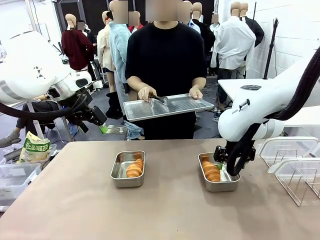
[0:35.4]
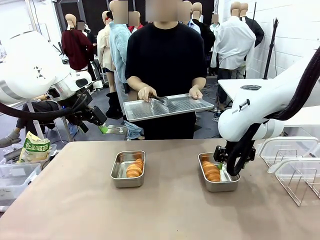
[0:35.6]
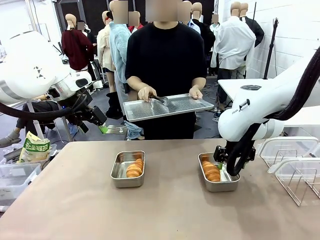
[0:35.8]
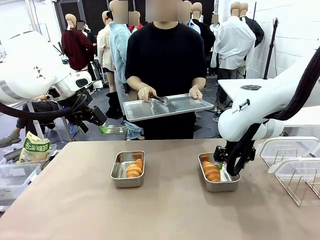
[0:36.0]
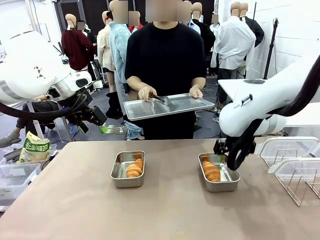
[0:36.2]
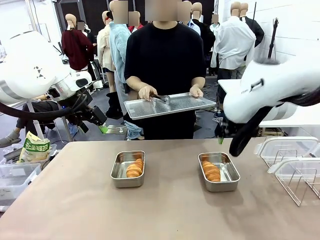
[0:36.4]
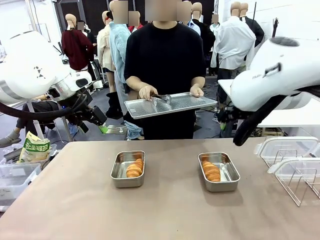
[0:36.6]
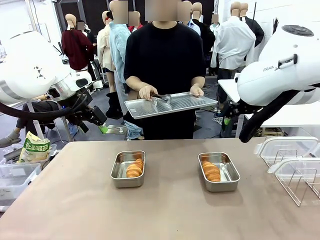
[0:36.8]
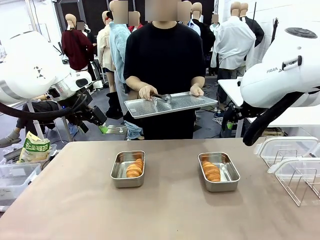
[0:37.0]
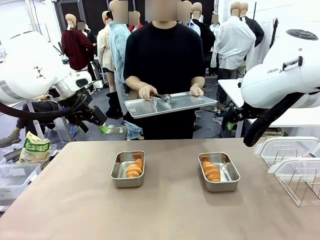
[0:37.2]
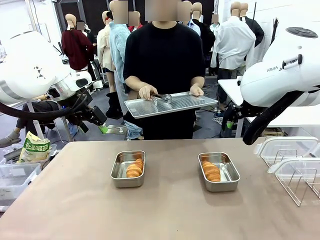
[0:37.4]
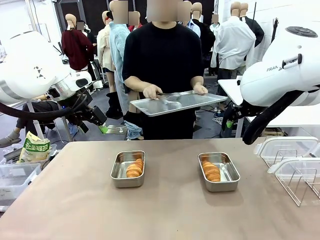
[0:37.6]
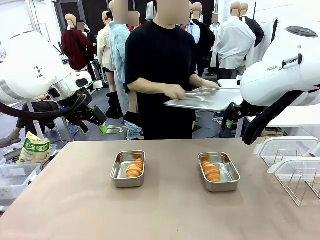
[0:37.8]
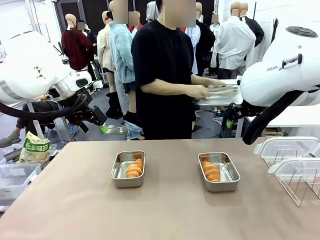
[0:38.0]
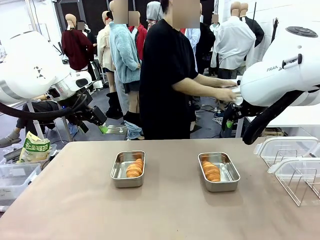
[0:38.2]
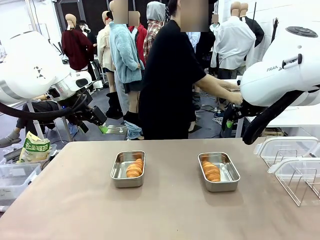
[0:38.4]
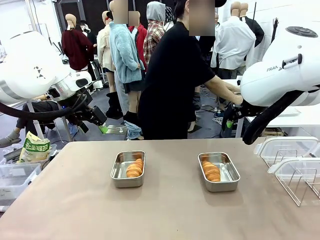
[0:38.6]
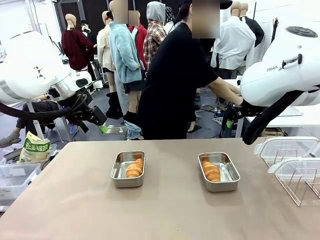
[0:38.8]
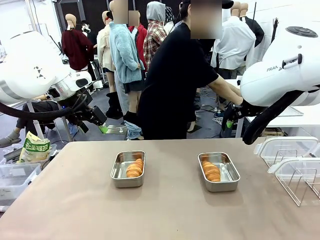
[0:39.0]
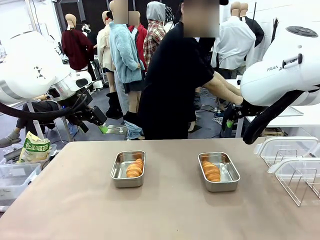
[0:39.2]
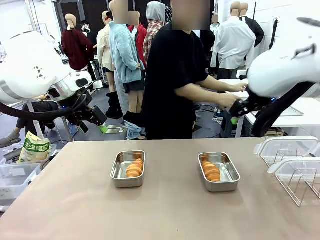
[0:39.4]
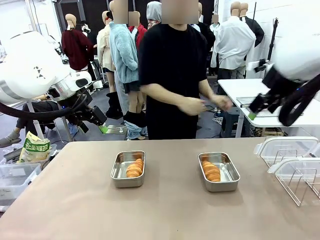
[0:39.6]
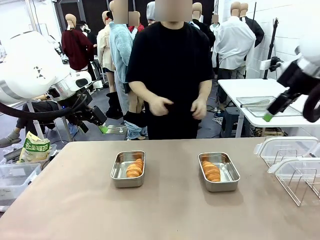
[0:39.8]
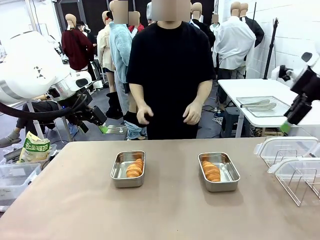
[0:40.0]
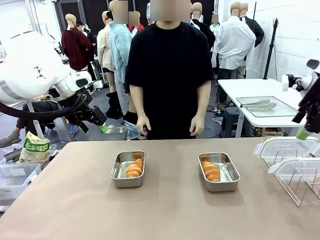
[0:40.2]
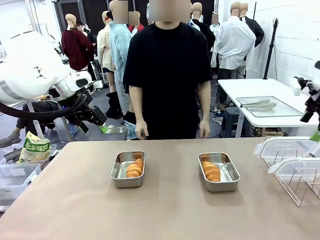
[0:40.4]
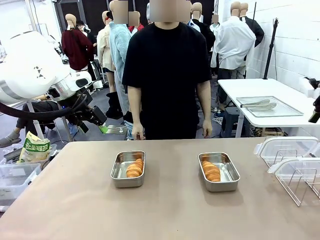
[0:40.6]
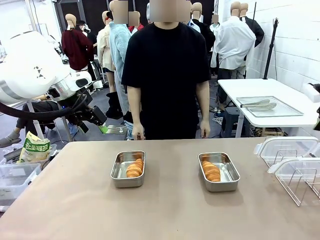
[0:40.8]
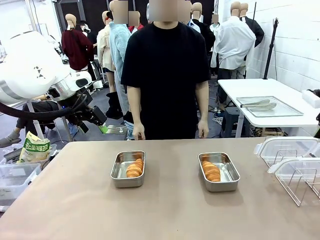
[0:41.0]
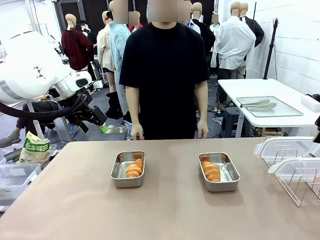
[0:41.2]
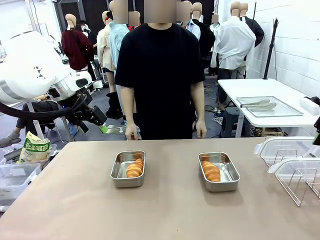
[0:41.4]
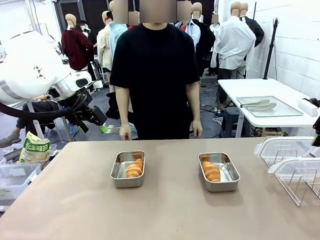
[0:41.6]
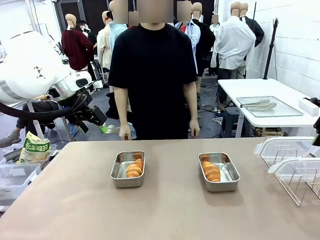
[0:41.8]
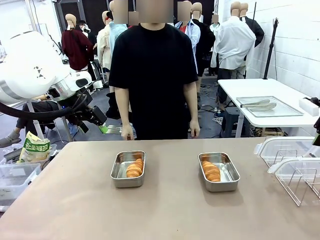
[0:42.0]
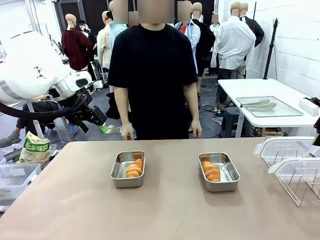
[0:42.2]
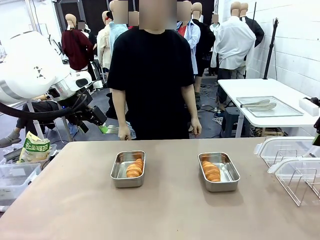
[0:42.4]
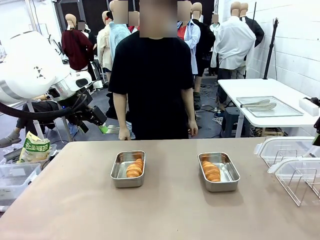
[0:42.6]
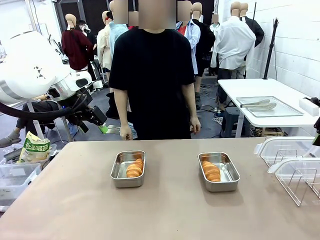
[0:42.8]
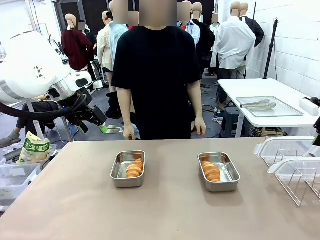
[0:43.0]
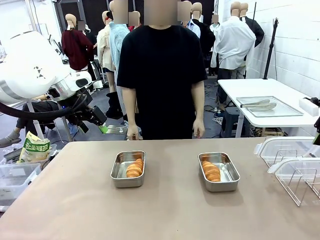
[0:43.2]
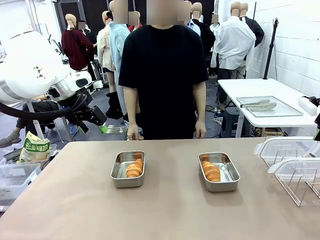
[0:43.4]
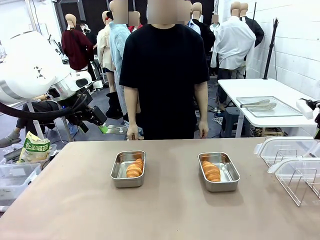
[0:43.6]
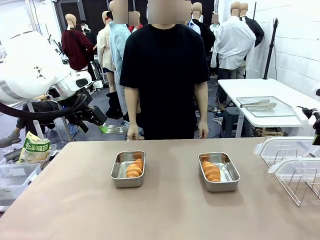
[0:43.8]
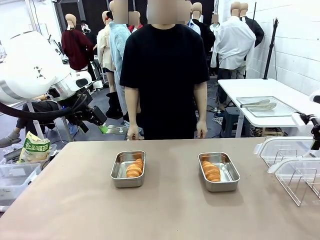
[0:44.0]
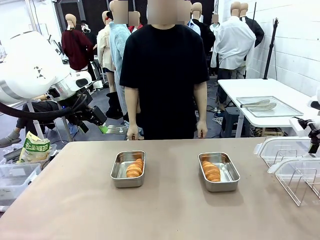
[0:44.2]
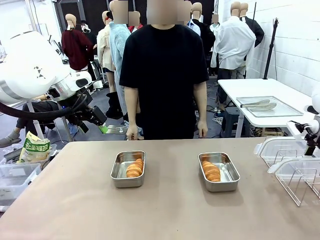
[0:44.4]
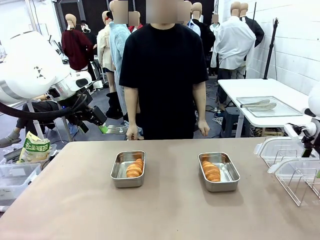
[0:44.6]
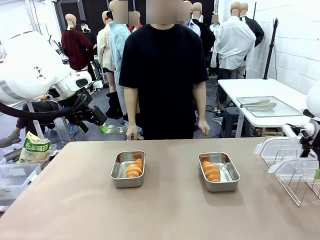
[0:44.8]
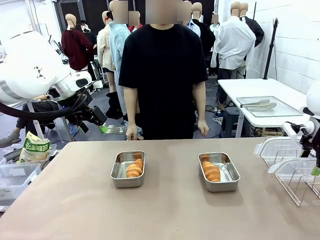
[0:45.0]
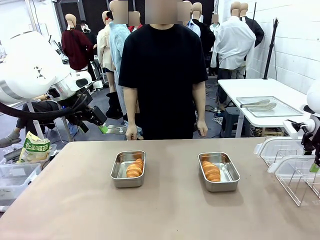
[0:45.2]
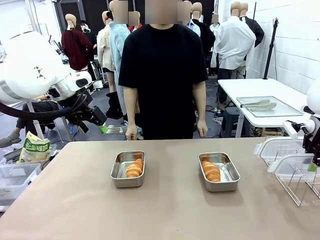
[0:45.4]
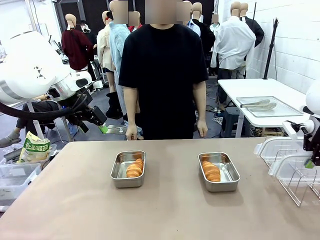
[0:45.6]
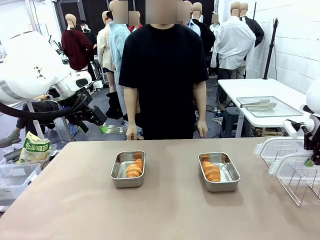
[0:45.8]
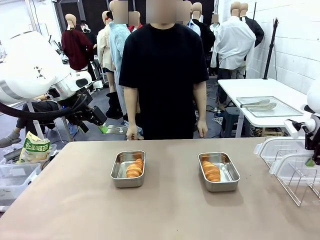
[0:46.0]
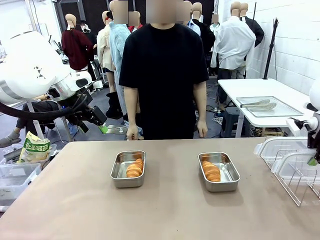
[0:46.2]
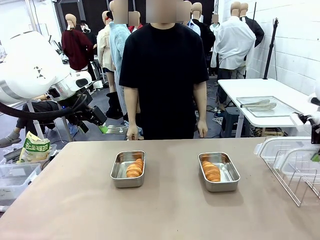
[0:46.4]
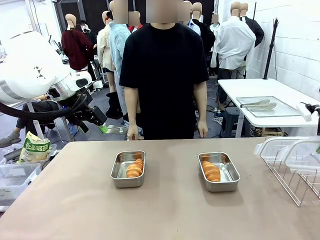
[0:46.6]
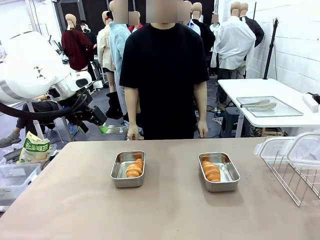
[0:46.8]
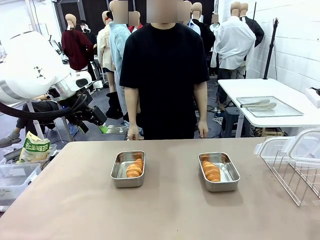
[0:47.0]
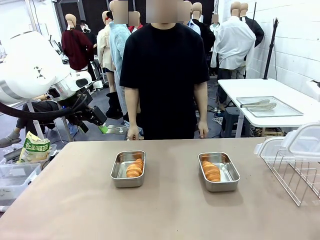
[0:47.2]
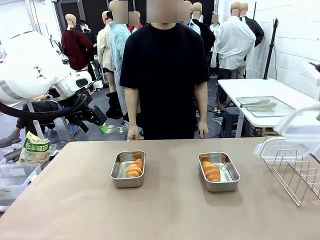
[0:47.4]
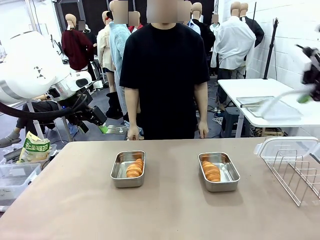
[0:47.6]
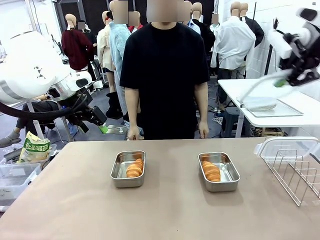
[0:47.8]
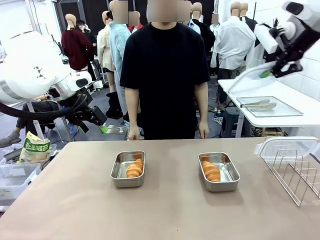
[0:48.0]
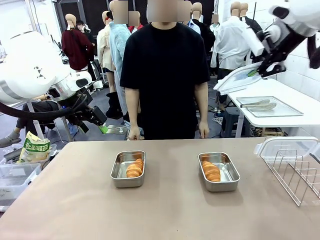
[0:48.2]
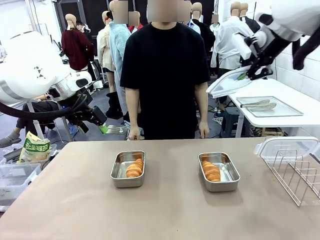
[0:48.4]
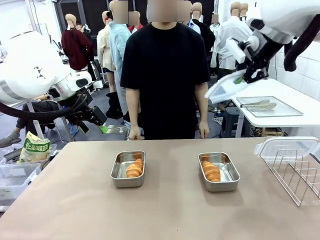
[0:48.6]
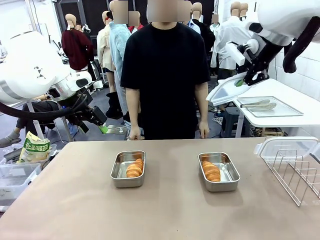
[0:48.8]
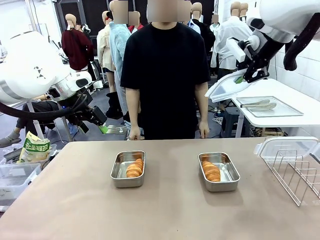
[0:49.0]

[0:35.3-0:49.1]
Task: Place the bread in airtight containers.
Robot: Pick up one Airtight Container lid and hand it to the human.
Person: Place Baking Sheet on the Human's Table. Grip Airtight Container lid that robot is handing.

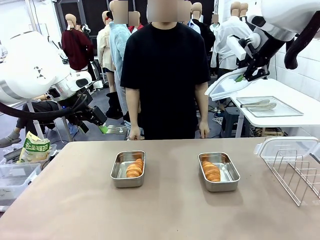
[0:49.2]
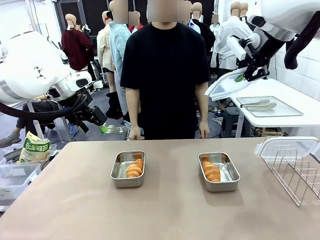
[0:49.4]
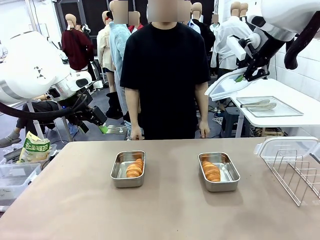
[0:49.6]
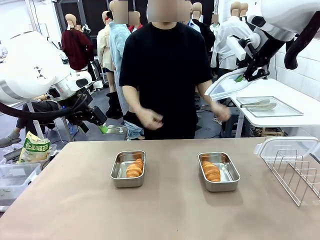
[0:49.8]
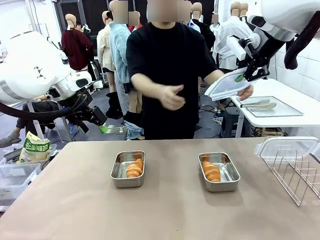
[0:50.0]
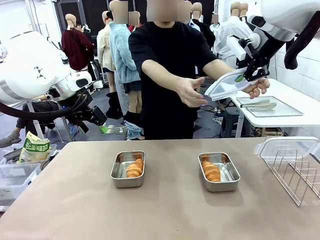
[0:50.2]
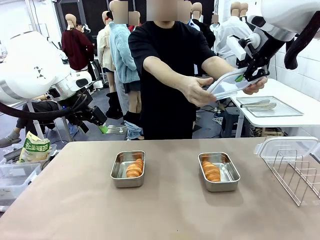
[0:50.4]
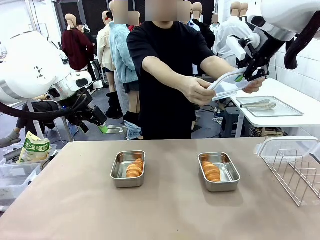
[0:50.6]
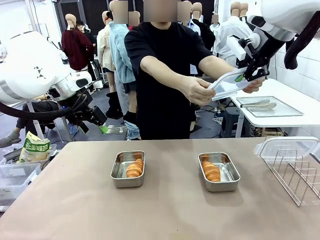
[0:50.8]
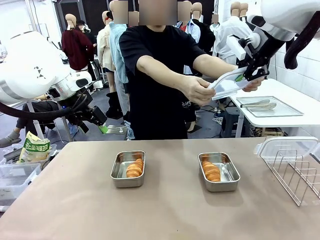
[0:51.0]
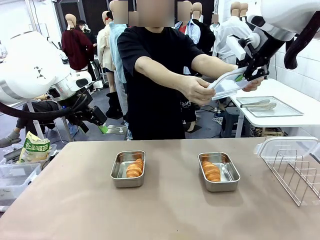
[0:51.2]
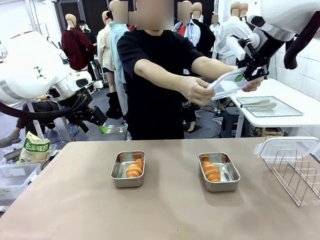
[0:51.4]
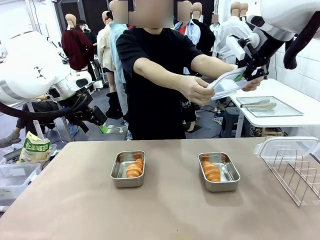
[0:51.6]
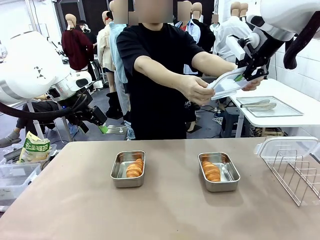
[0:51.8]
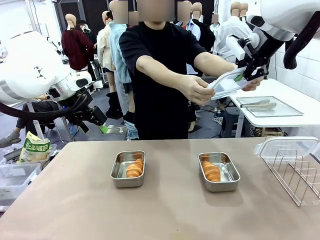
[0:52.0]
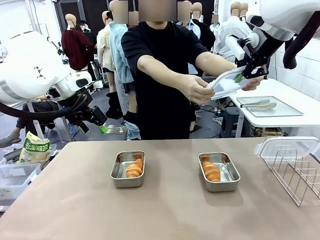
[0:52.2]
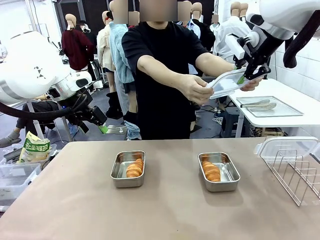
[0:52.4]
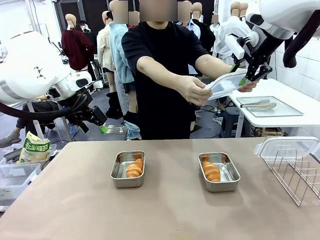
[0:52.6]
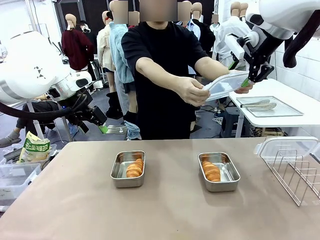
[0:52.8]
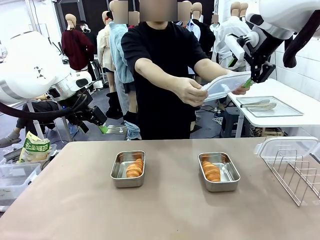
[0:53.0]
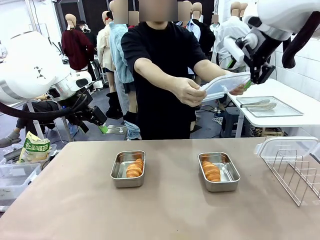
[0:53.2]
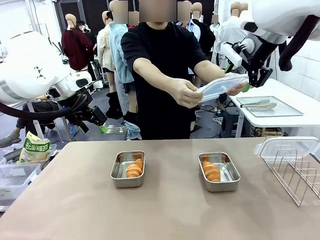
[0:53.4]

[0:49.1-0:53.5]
Robot: Release when the human grabs the Airtight Container lid.
